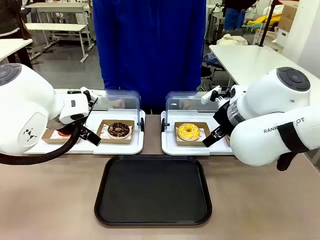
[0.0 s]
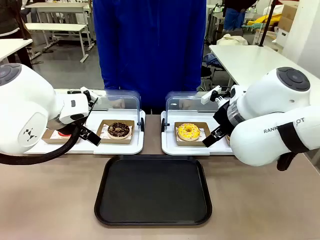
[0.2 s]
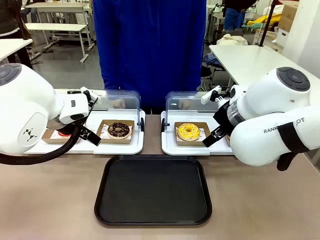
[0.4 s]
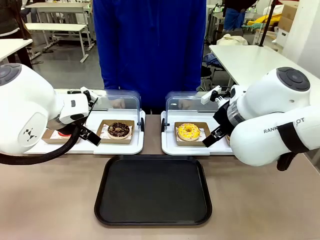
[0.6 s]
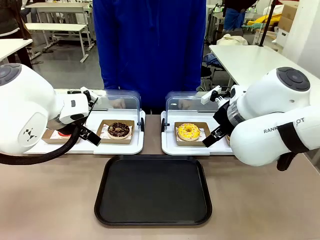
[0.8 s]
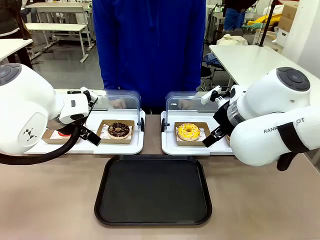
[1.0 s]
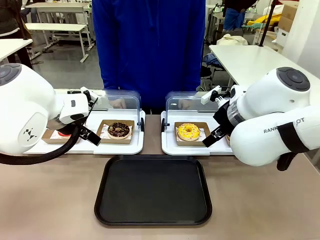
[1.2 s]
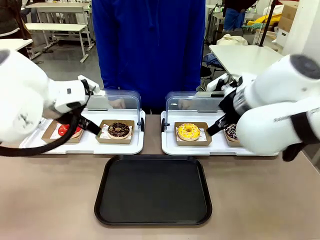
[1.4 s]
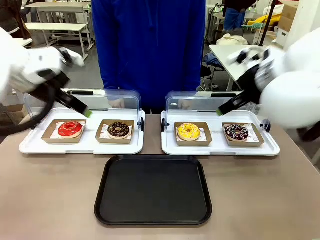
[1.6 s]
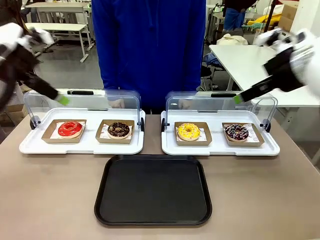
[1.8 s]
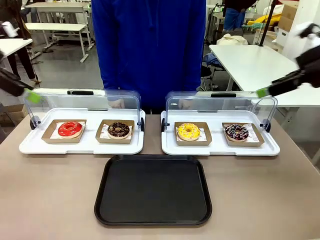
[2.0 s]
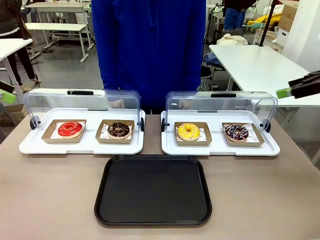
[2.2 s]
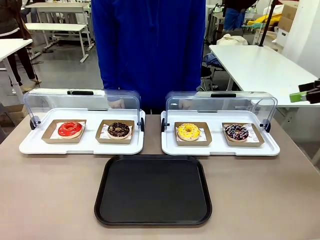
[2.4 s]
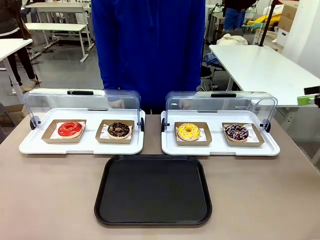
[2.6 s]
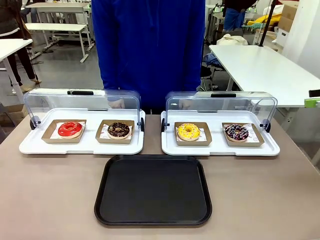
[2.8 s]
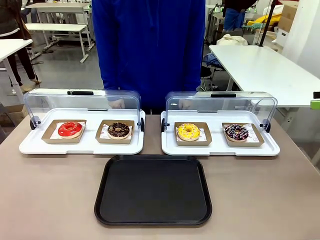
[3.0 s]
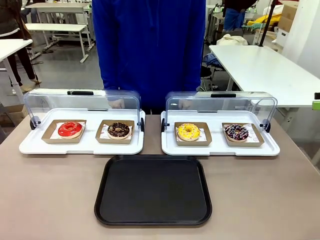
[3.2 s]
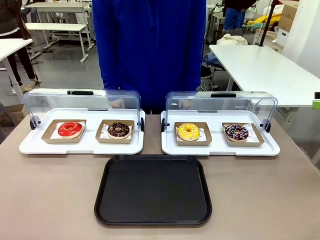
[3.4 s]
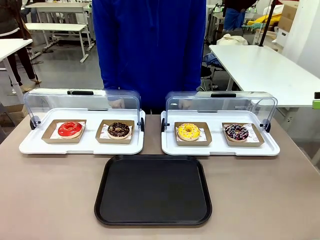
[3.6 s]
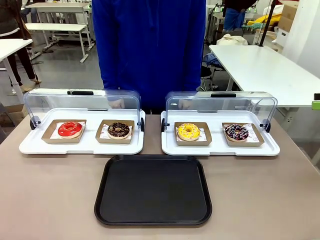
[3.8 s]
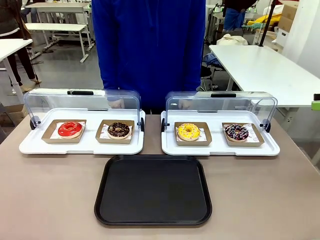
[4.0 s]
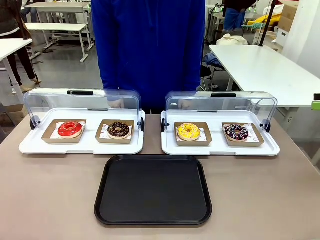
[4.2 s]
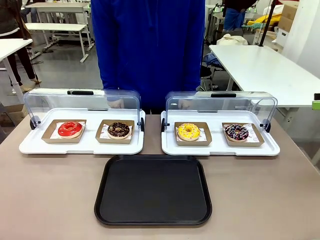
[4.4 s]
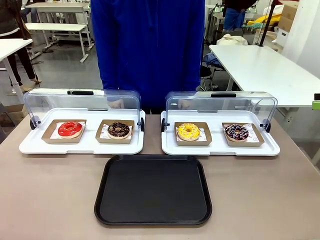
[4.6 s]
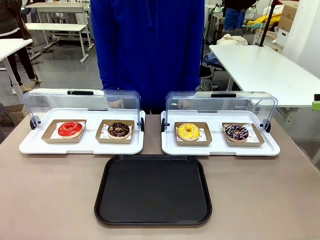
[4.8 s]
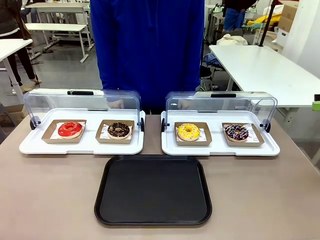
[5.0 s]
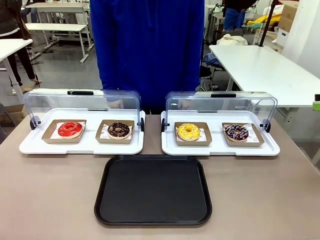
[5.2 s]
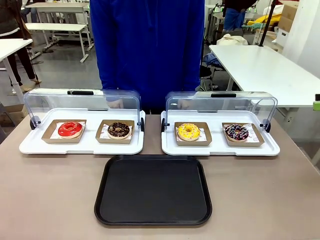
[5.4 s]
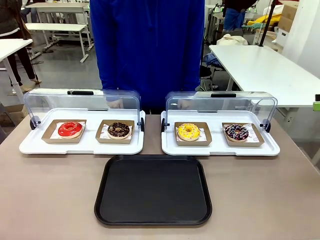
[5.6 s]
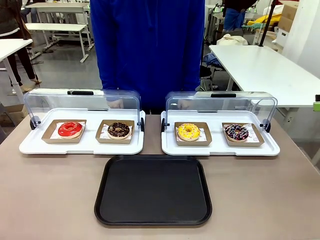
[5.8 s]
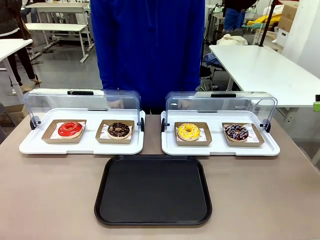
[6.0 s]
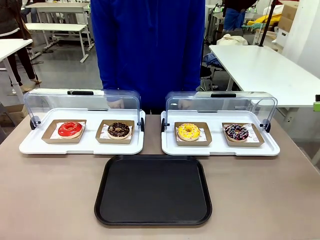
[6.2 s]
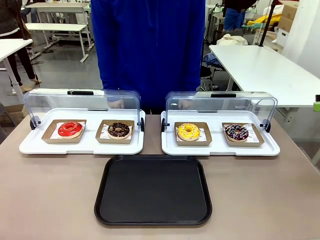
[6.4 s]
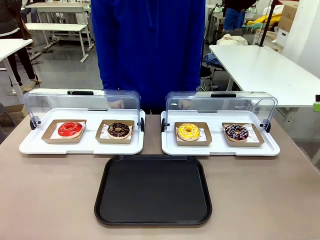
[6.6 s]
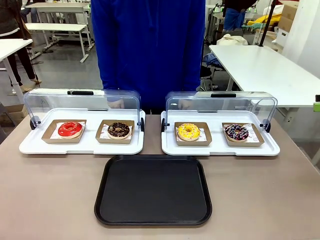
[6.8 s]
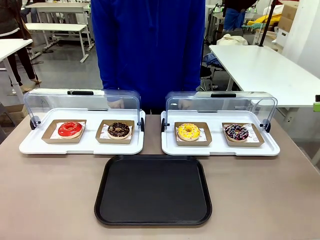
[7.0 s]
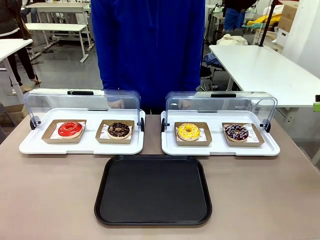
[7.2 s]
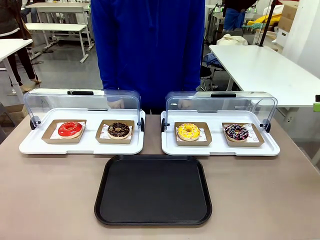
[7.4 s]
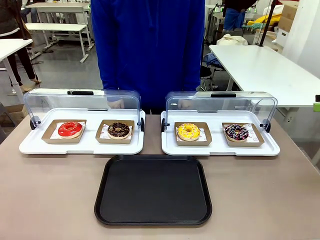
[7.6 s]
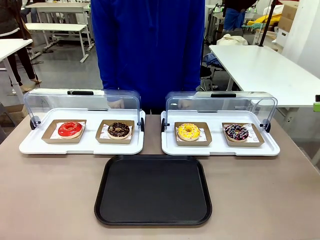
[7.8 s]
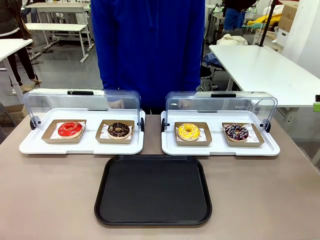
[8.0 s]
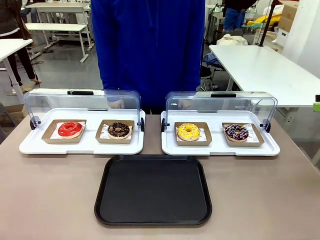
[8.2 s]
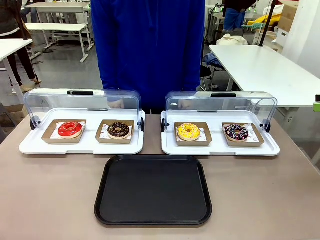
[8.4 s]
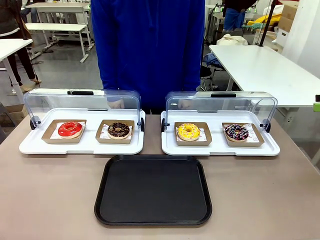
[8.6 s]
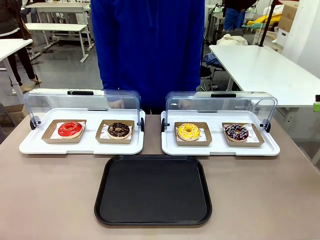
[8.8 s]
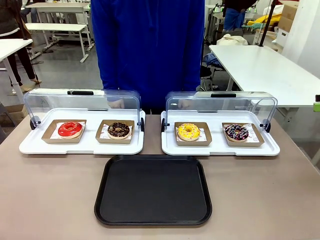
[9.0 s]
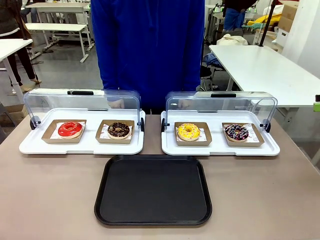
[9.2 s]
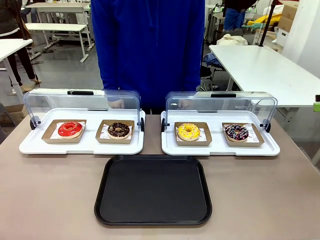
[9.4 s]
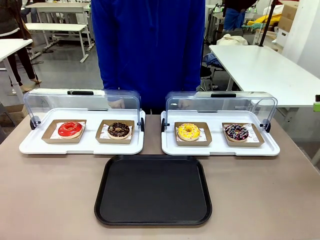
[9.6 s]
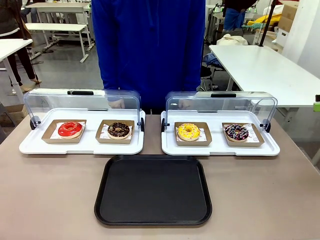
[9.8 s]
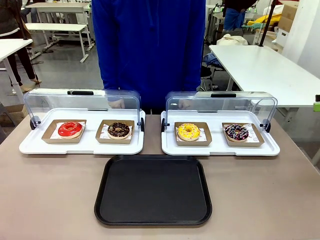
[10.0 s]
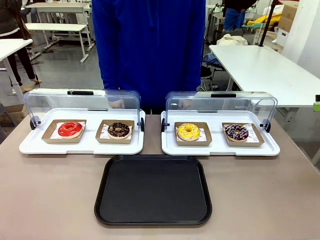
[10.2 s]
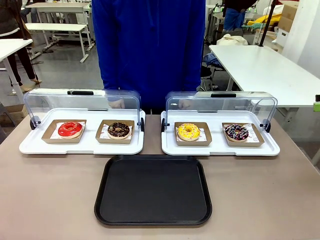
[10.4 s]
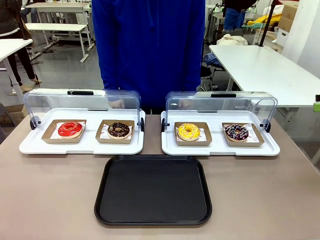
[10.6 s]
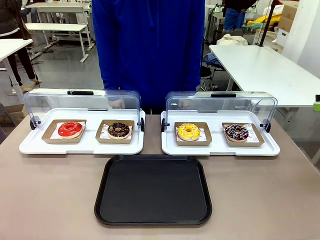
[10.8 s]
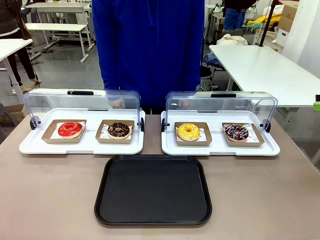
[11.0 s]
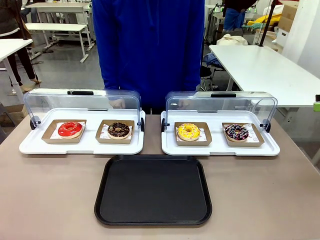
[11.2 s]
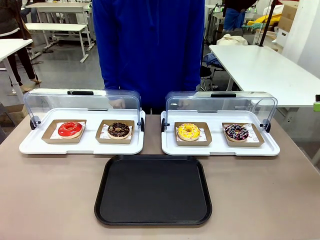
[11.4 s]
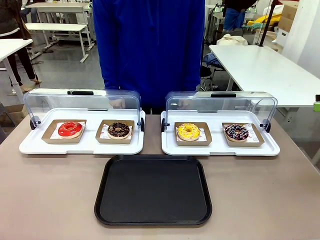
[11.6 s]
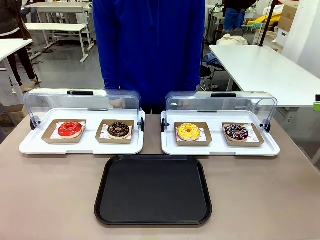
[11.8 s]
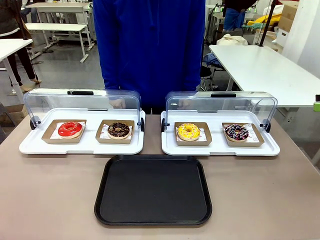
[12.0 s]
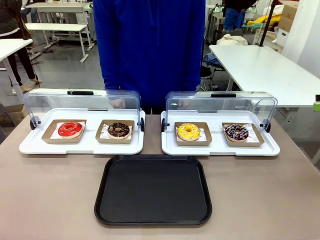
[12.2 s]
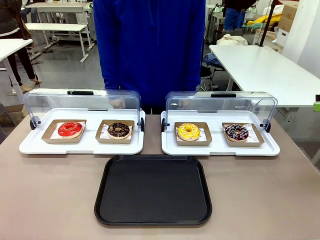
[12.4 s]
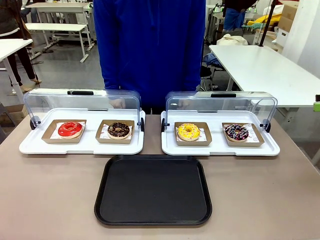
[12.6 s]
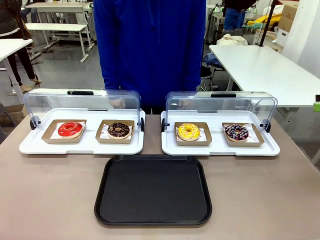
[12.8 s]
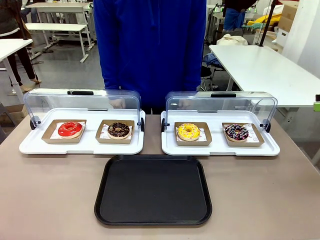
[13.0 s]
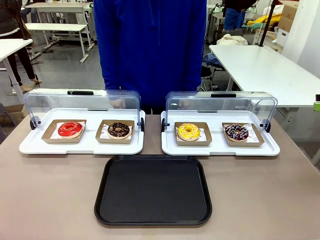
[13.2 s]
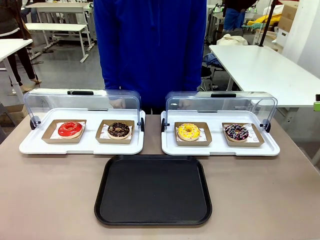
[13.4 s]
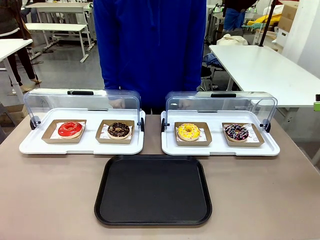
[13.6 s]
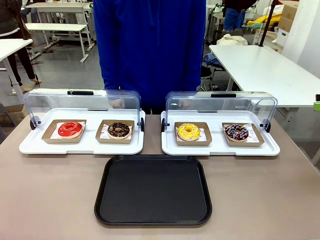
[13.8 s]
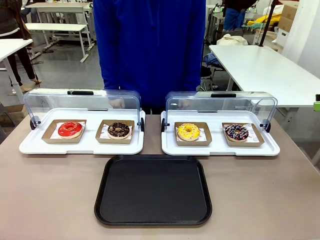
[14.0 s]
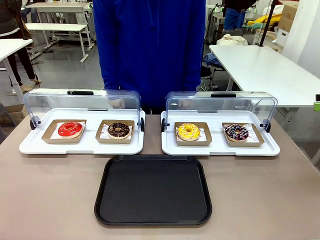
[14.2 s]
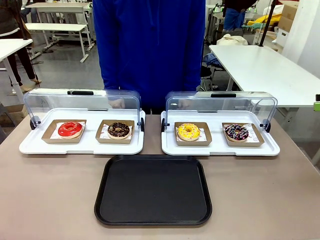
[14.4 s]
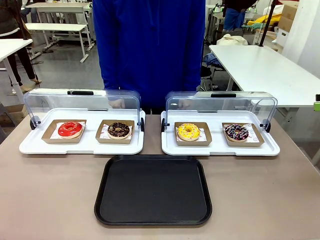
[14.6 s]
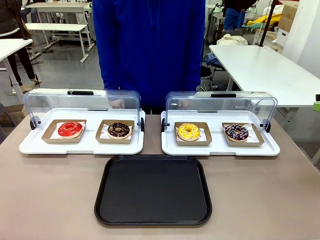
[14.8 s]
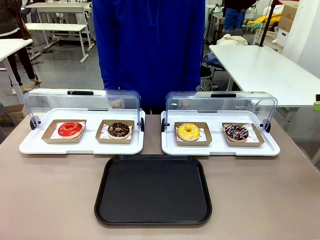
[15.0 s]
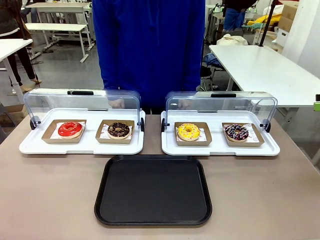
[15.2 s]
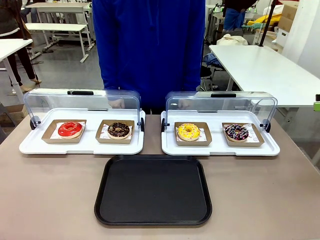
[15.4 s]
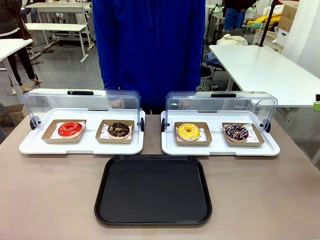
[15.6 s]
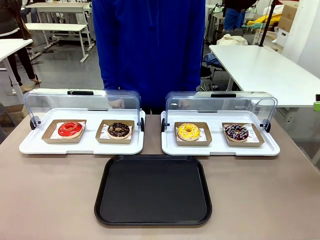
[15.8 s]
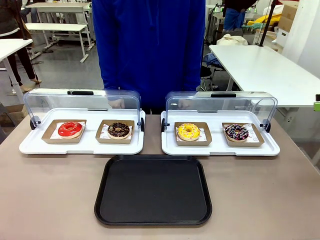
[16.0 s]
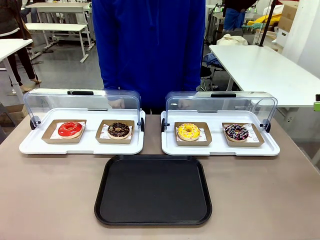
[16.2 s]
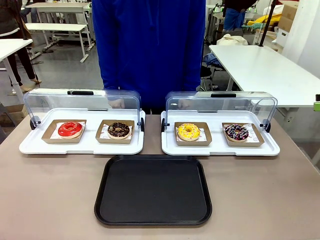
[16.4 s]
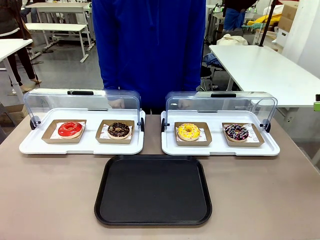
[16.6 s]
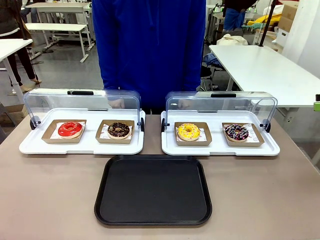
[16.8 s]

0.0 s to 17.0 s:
Task: Move the third donut from the left to the tray.
Robot: Pick up the Paper togo box containing the Donut indicated by the person and place it on the Handle tray.
